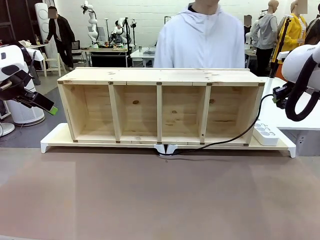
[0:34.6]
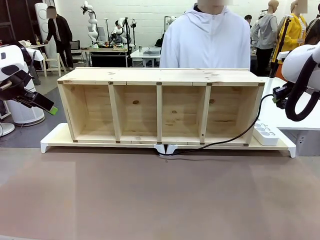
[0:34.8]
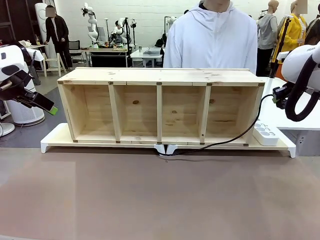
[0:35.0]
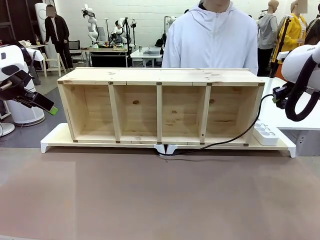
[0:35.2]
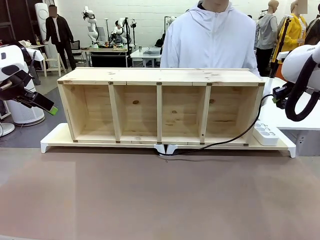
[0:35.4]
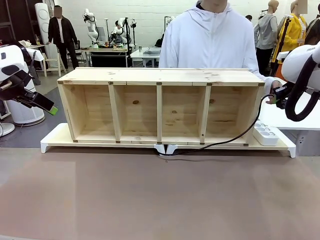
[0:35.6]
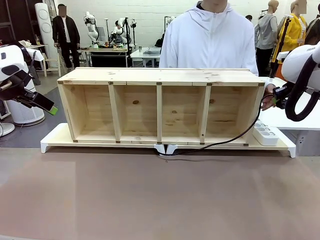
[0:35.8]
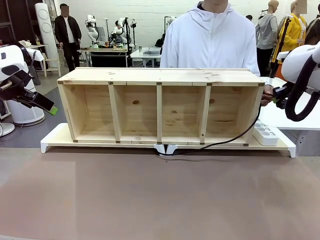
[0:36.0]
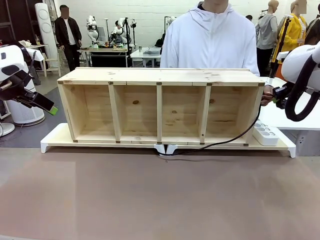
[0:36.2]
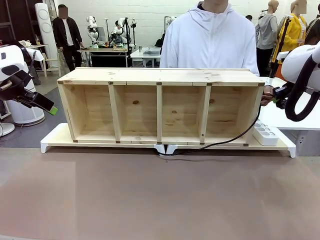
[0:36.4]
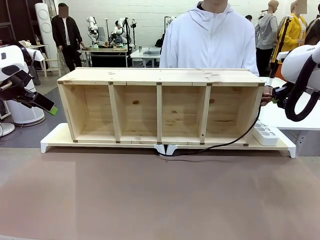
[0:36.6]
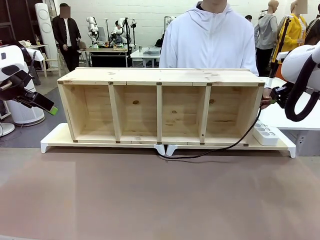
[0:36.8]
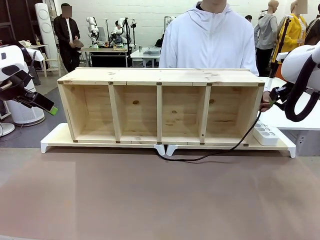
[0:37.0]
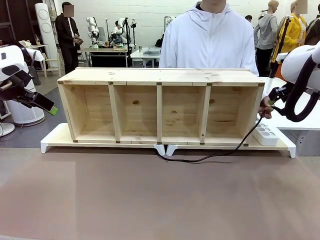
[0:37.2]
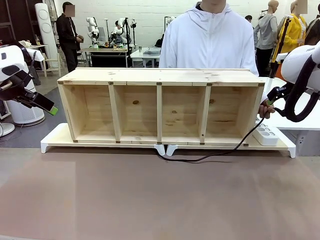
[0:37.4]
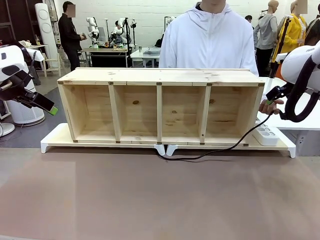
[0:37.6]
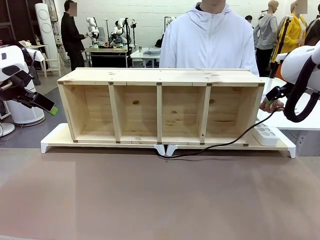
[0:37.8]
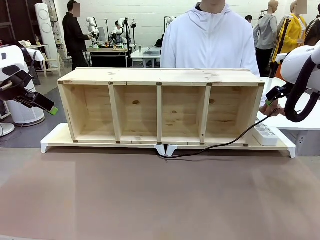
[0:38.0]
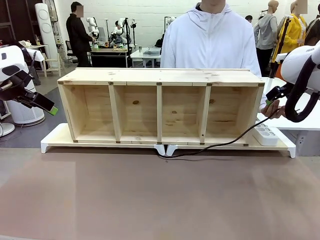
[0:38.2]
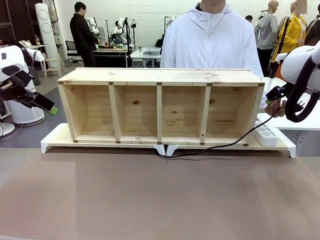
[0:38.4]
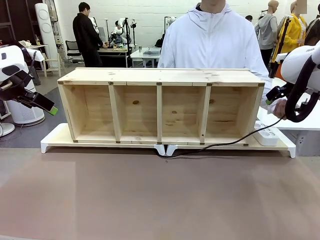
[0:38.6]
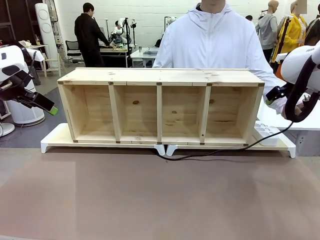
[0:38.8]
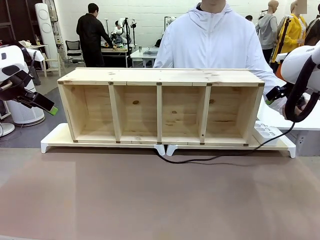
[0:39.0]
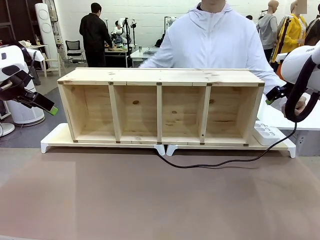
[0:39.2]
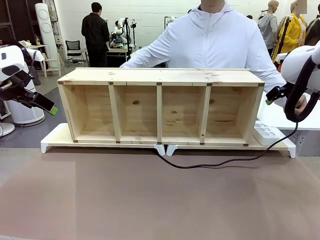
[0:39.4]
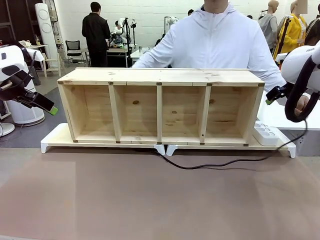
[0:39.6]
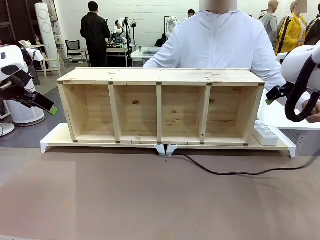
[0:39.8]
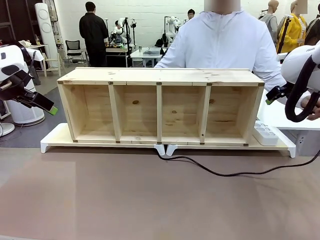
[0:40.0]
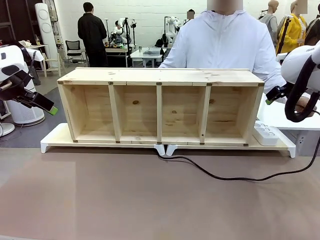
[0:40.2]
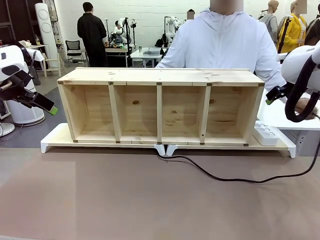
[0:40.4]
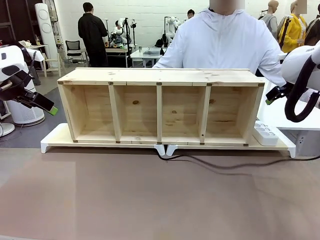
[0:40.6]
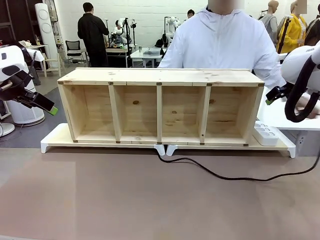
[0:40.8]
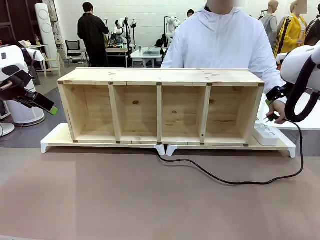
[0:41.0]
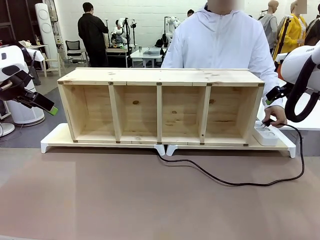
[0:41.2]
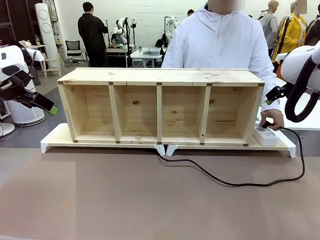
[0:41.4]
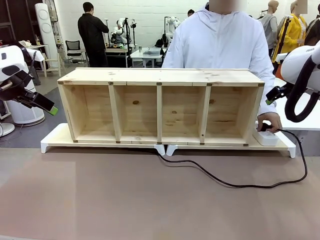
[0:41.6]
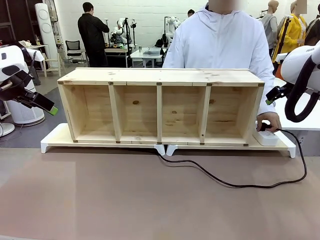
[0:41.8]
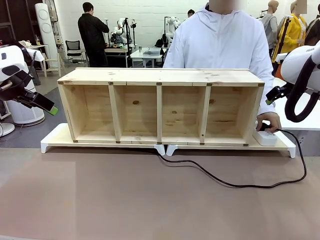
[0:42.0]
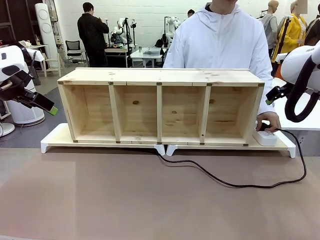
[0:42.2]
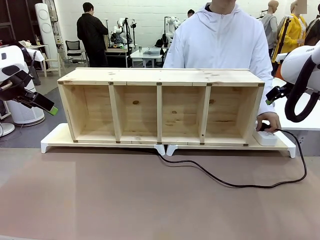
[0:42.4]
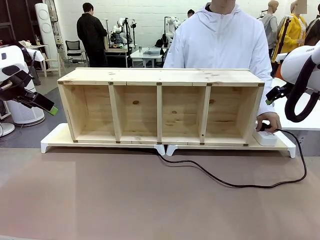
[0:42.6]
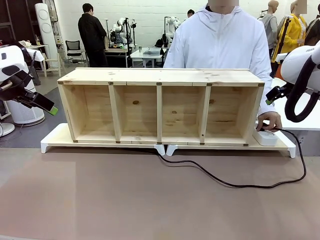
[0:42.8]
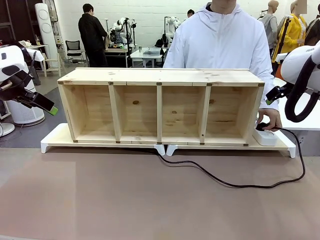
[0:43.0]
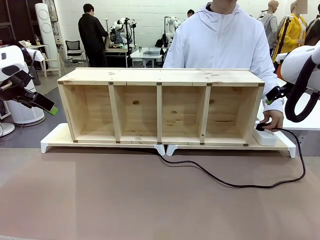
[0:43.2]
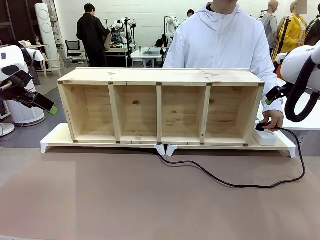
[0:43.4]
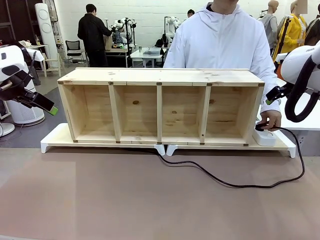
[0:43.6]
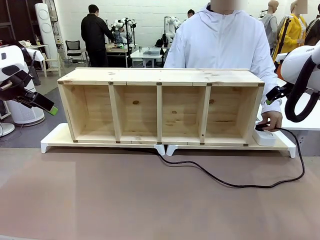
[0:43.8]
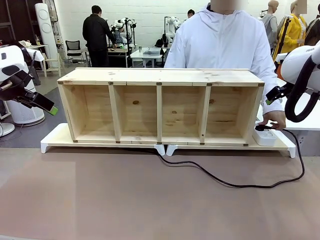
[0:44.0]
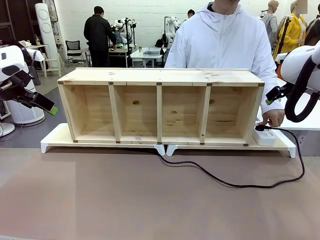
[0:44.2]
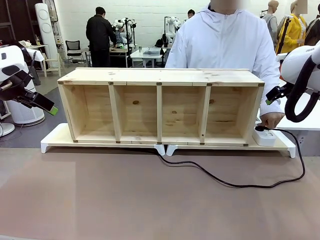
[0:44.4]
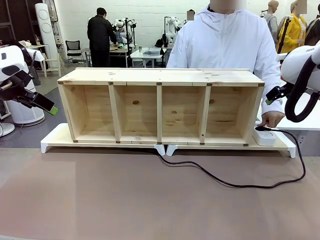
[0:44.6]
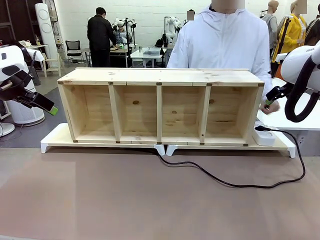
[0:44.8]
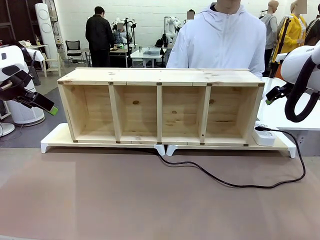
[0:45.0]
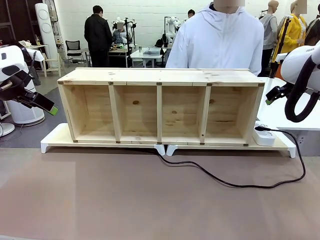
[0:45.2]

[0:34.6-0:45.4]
Task: Perform cable management.
Robot: Release the Power Cable when the human grasps it.
Person: Plug the Power Cable into the Power Strip.

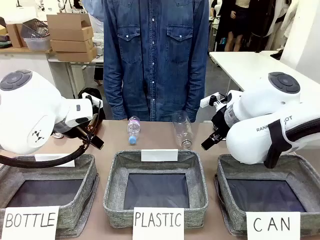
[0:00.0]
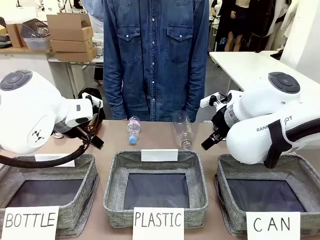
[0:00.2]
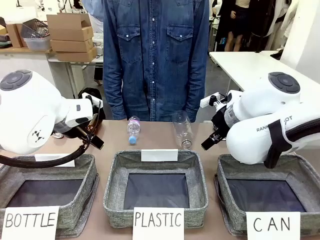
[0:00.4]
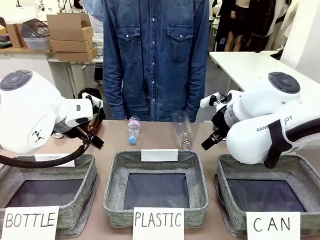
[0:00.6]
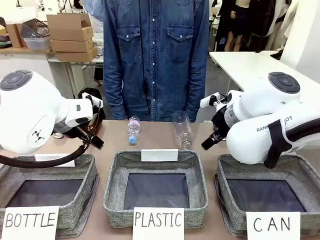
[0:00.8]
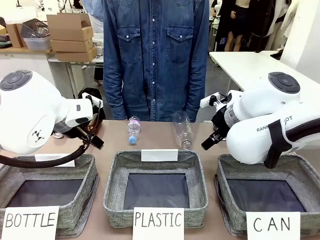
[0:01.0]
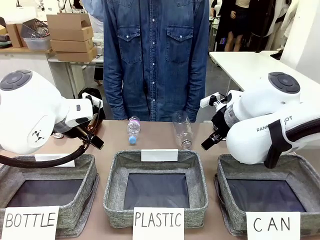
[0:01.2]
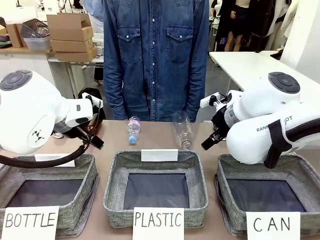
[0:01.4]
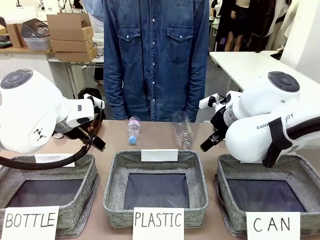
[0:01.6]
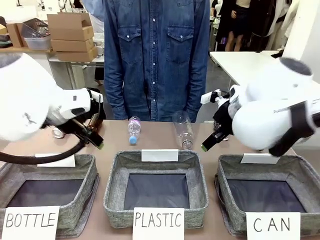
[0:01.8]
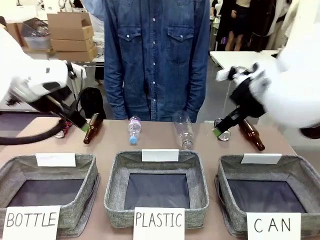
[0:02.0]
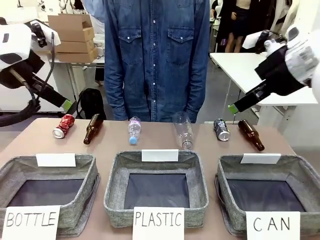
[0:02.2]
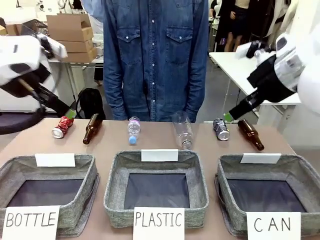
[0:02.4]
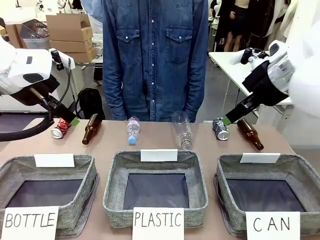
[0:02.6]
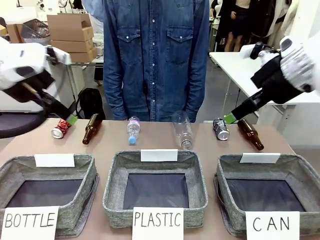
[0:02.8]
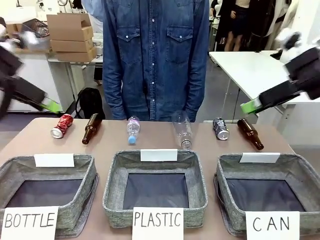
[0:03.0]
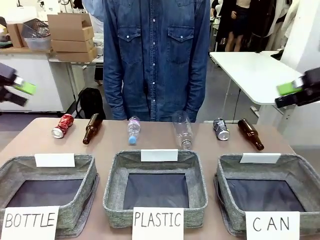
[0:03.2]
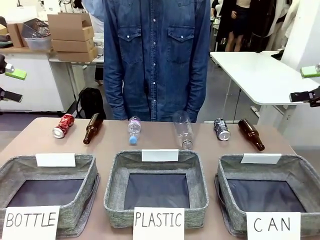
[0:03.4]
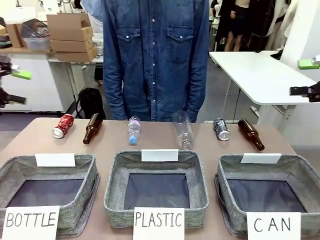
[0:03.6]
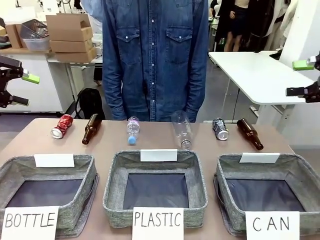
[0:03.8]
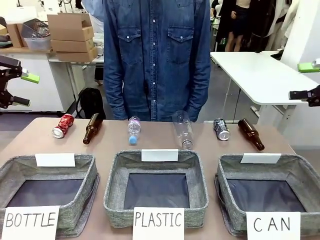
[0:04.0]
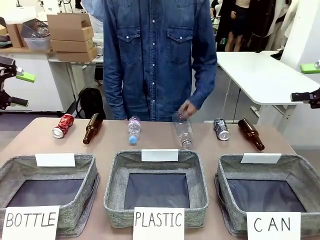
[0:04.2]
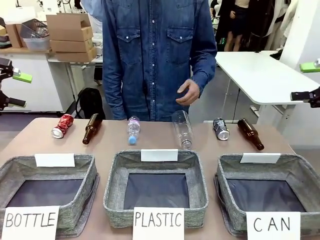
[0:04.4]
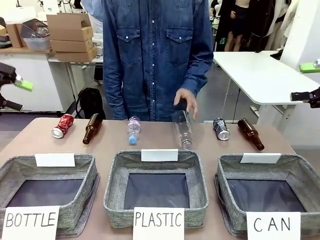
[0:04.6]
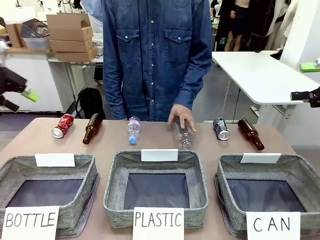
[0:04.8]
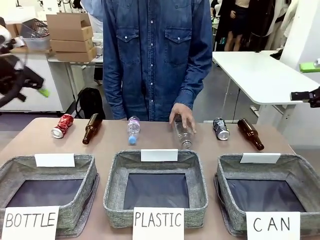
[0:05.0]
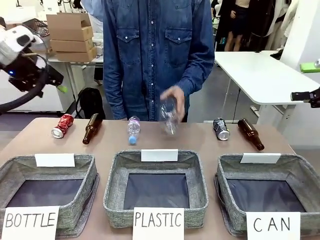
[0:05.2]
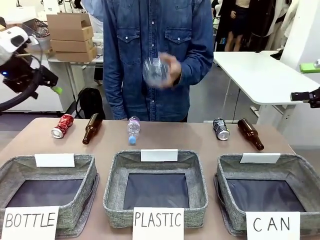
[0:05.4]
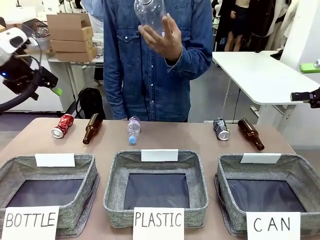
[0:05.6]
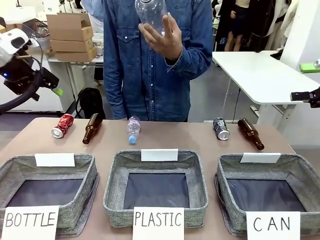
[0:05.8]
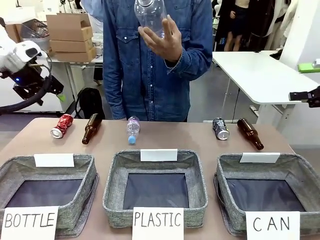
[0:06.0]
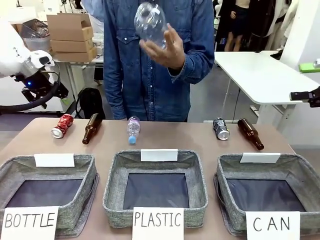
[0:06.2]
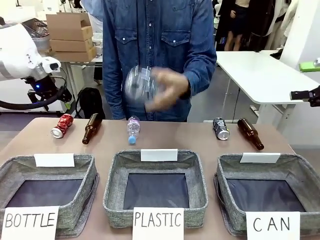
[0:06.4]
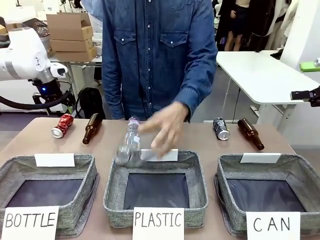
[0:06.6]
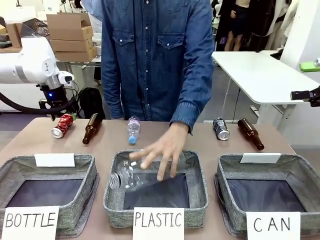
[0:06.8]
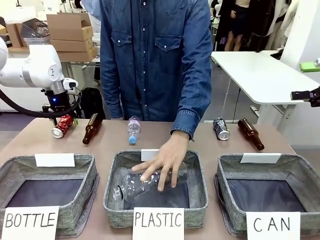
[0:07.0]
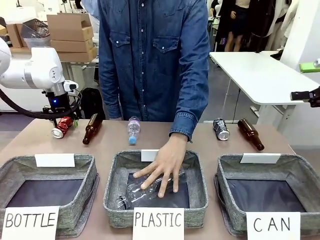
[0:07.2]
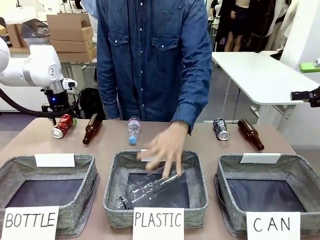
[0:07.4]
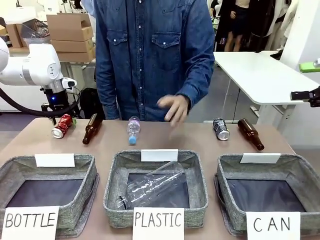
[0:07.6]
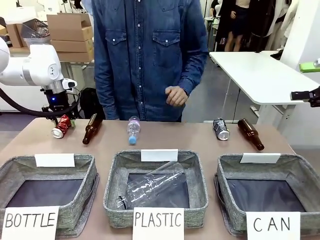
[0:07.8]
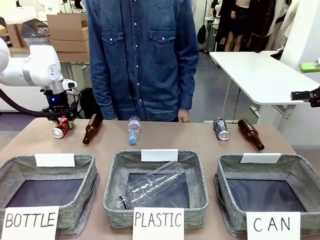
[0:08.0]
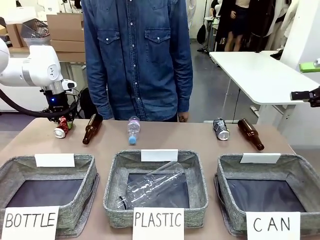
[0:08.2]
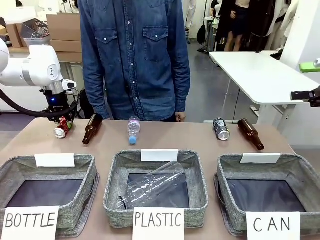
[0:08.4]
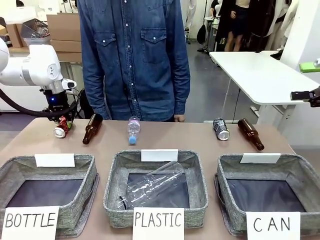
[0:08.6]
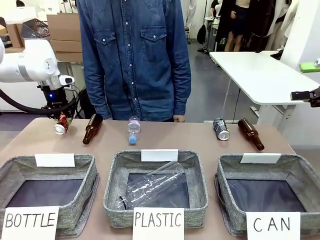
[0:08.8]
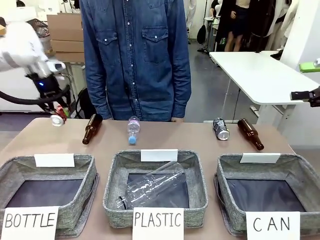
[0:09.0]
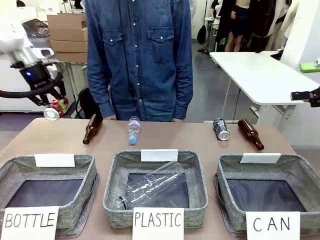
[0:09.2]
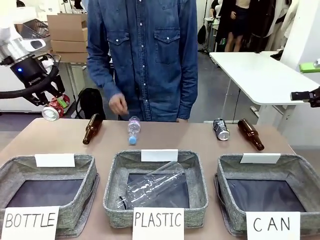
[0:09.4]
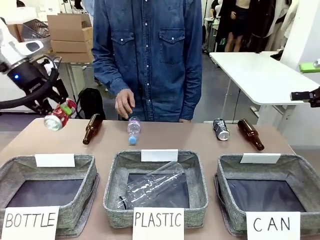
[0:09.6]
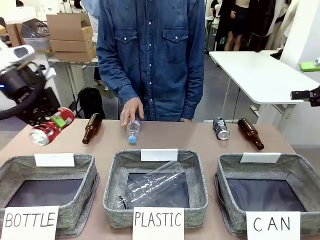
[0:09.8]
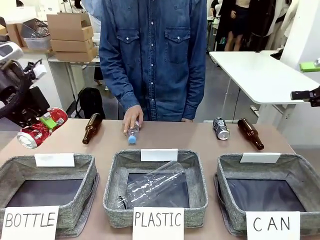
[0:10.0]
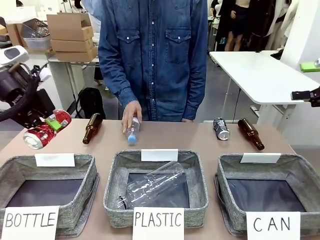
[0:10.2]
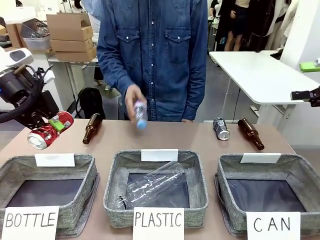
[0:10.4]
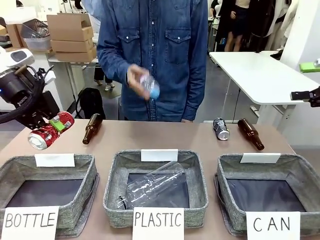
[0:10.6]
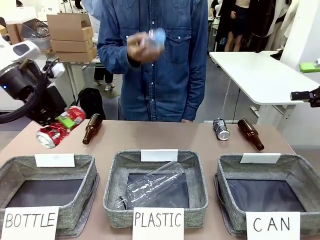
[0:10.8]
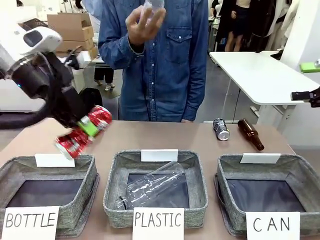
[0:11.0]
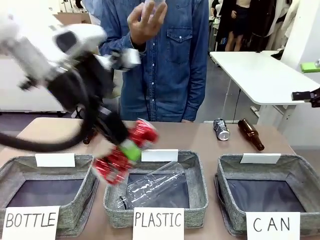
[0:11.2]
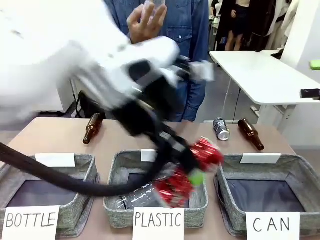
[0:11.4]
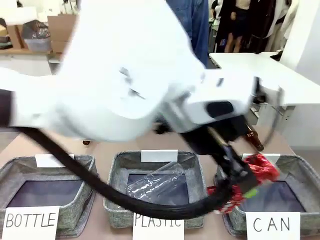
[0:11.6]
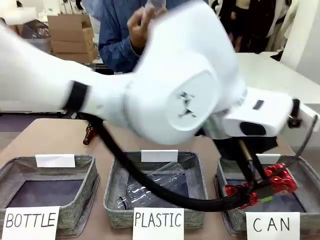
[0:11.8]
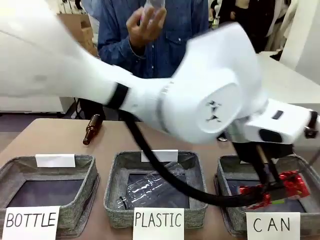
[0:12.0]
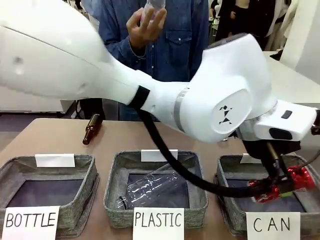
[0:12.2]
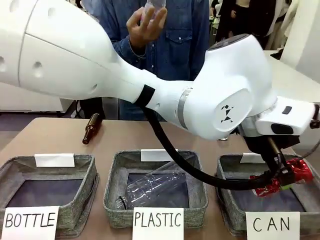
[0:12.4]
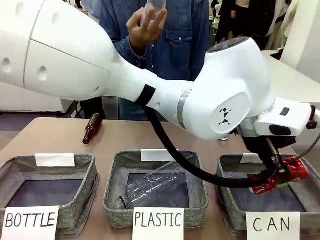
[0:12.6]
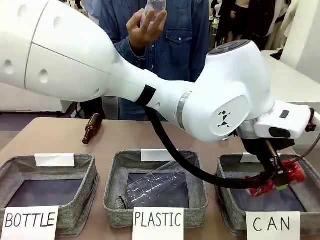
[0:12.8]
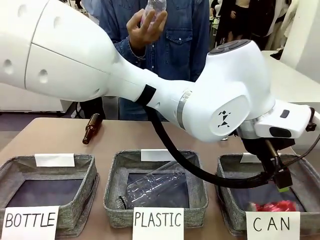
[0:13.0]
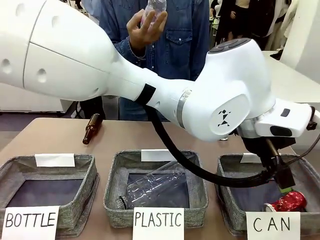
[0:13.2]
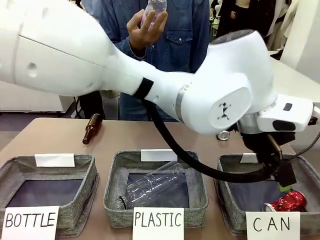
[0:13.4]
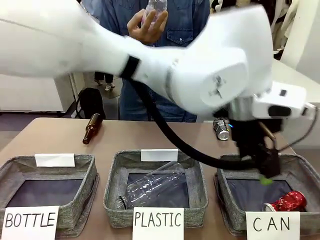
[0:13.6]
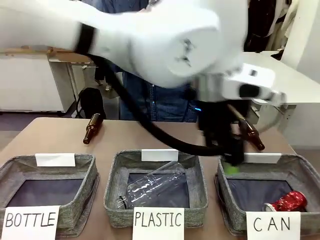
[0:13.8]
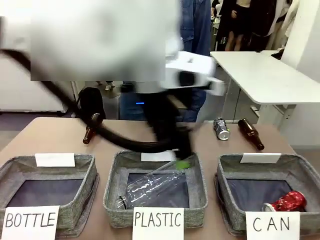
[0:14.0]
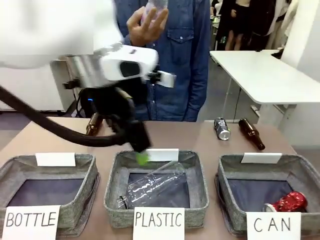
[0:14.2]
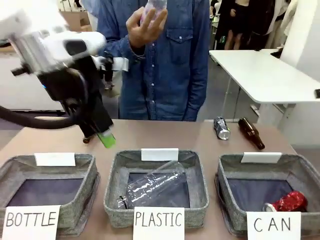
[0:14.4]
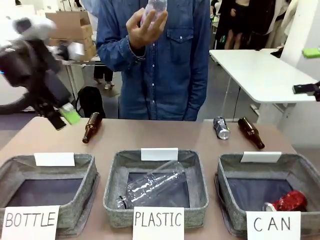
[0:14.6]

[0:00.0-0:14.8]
Task: Sort the can waste into the basket.
Robot: Pick up the can waste from the table and place it in the right Fabric basket.
